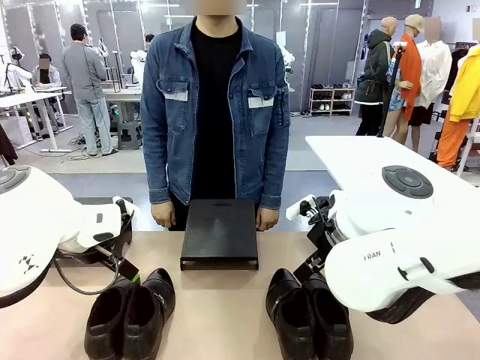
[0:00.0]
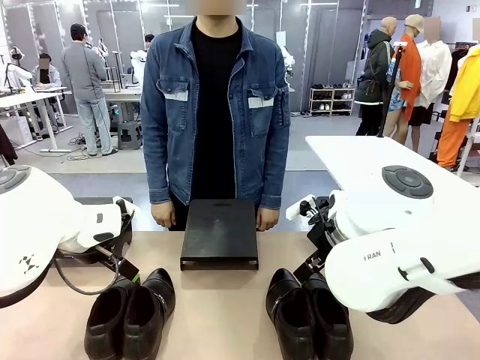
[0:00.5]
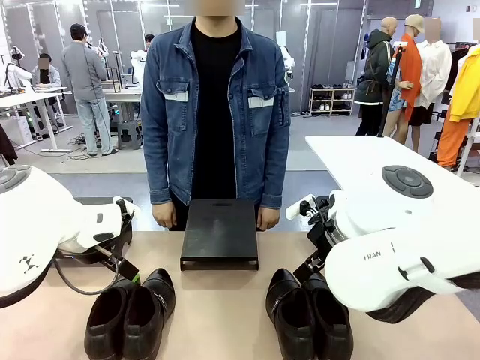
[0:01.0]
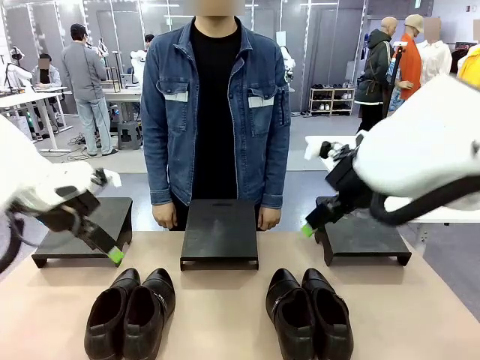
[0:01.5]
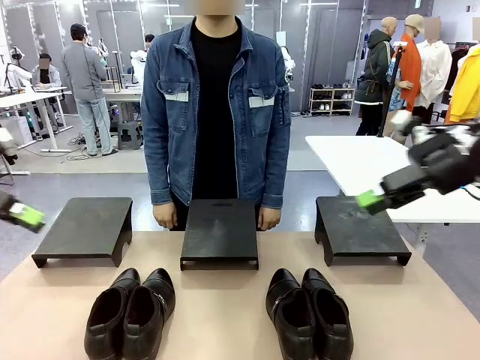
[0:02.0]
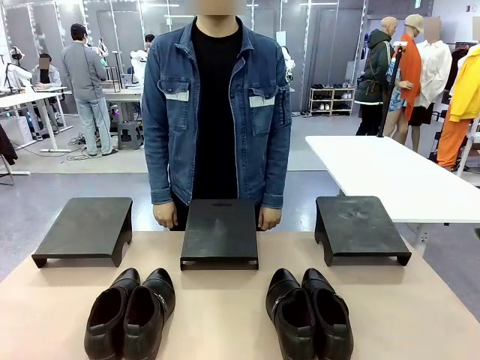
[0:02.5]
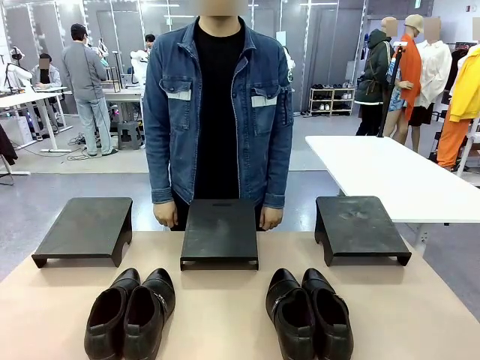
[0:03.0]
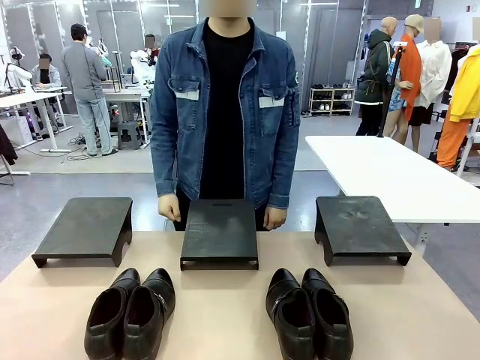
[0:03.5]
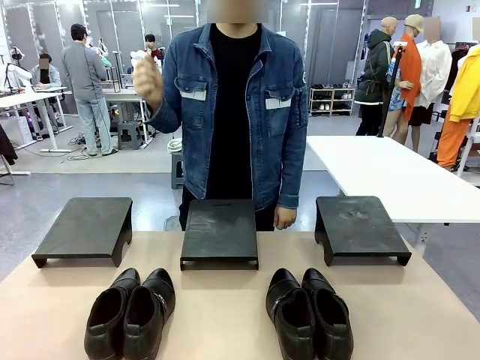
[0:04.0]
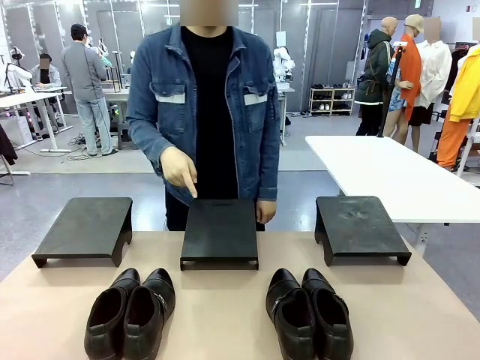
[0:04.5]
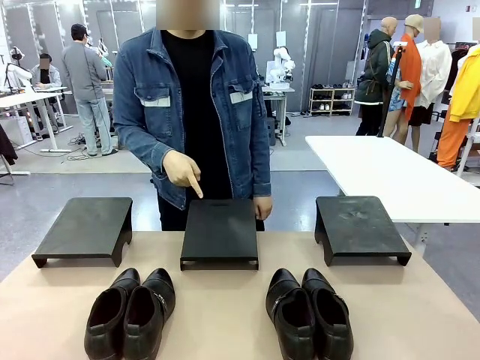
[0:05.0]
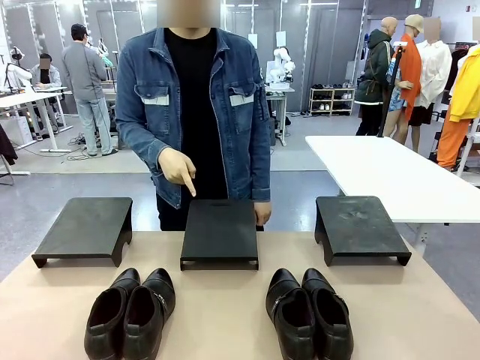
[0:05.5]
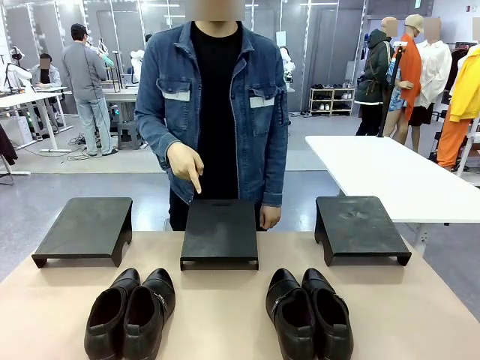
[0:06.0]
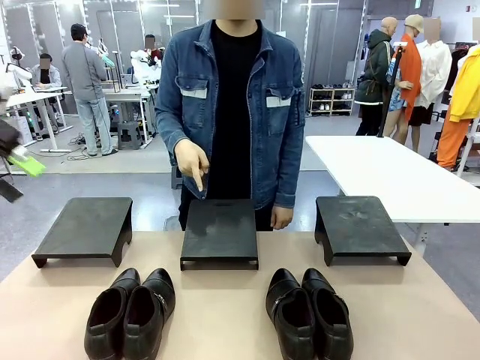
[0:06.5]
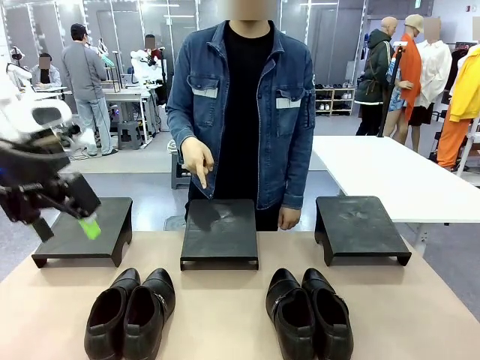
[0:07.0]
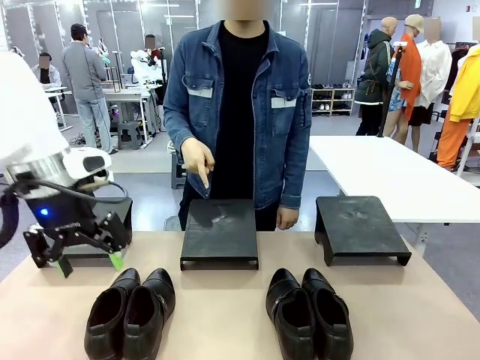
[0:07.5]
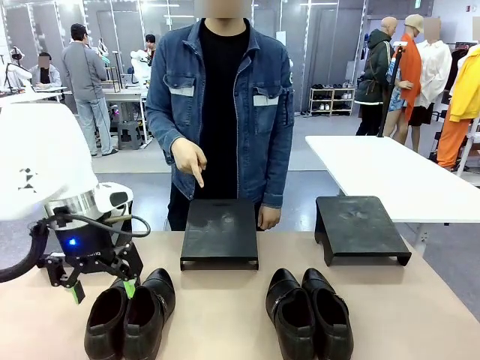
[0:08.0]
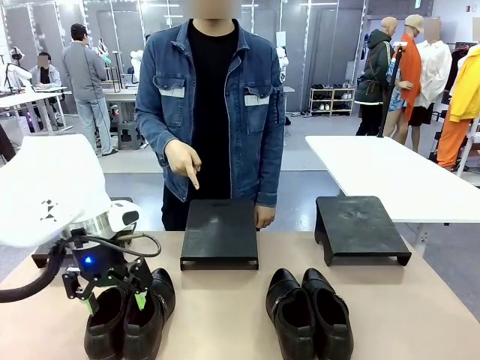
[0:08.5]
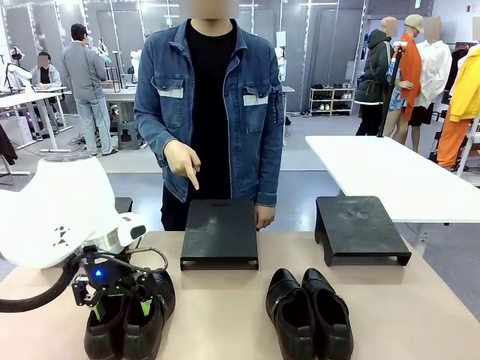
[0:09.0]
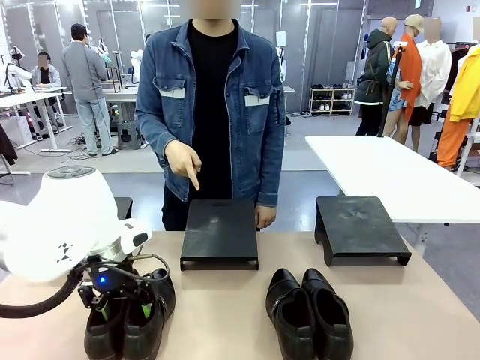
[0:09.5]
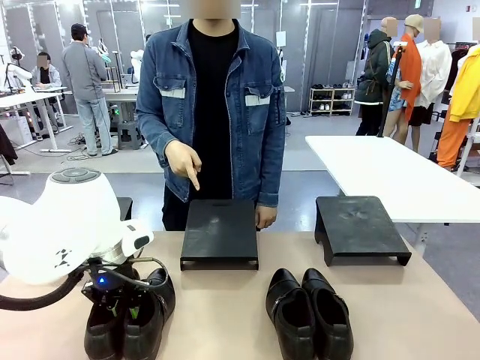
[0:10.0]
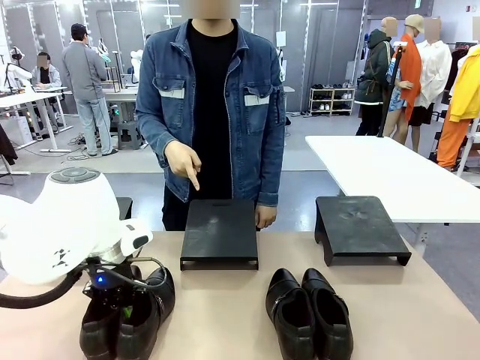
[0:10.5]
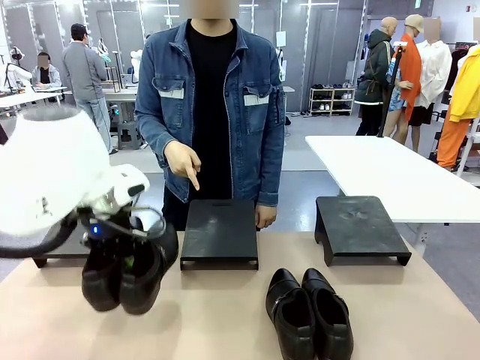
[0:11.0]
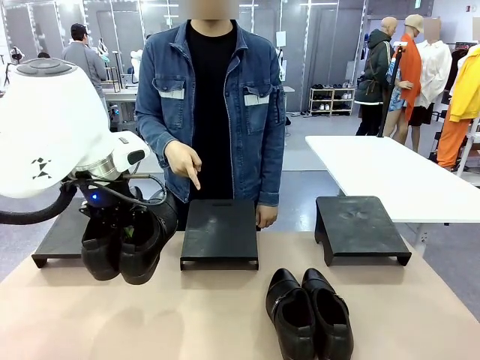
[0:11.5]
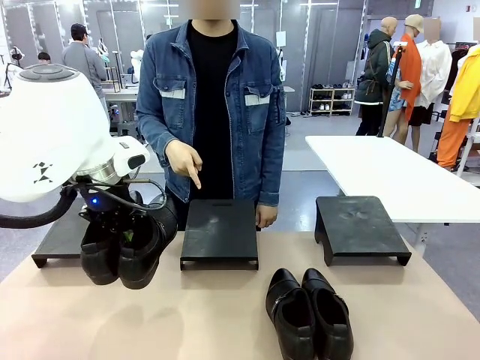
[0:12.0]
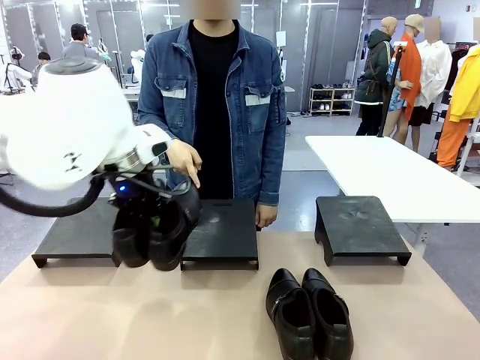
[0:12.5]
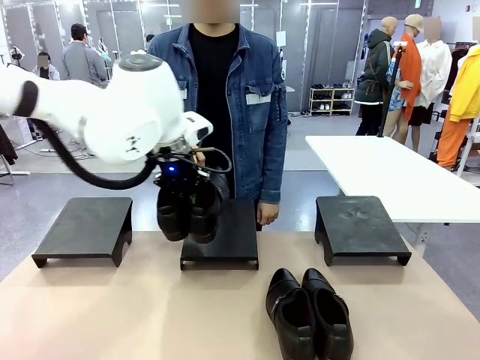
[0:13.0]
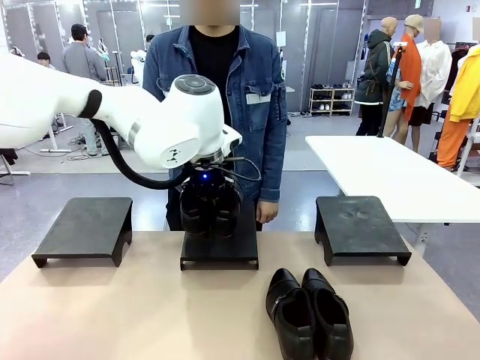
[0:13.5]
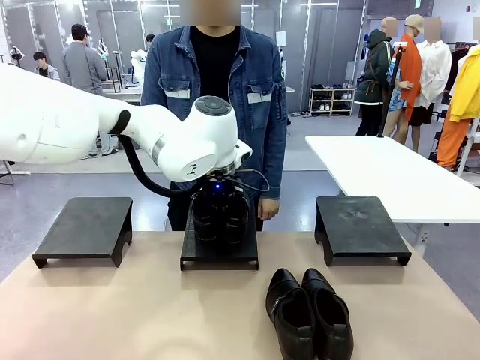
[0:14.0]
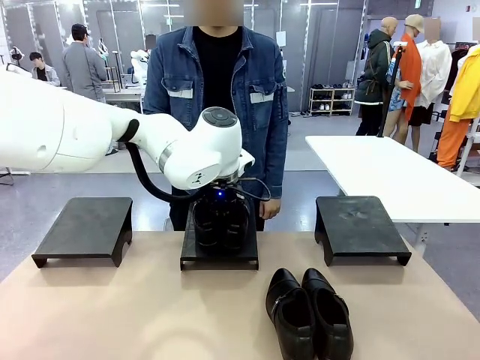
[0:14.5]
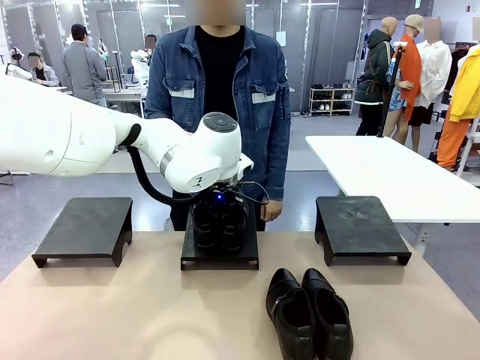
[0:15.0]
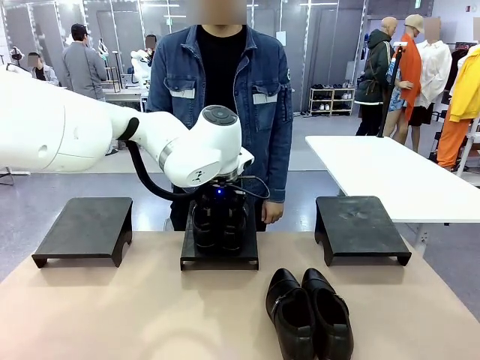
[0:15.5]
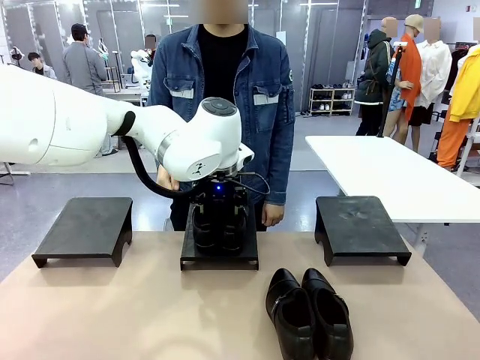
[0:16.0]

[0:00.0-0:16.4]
Task: Place the shoes on the stand as instructed by the person.
Robot: Pick up one pair of Shoes and place it on the Shoes Stand indicated by the person.
